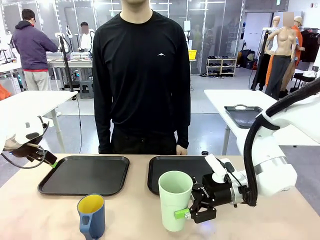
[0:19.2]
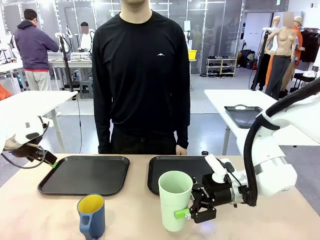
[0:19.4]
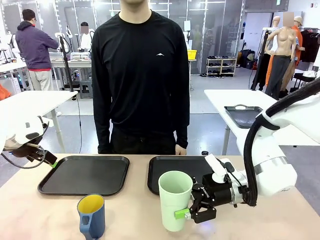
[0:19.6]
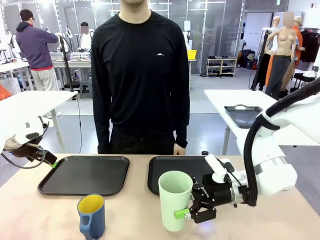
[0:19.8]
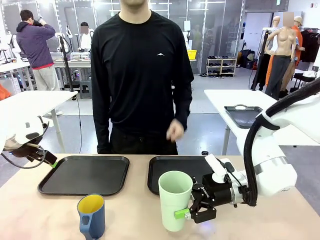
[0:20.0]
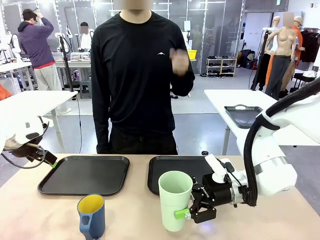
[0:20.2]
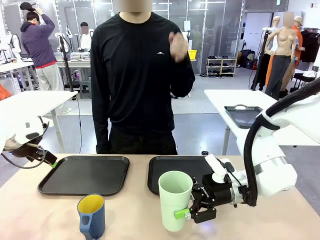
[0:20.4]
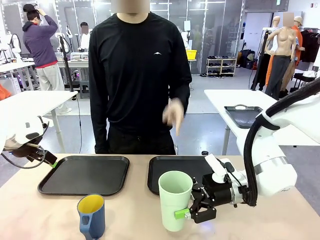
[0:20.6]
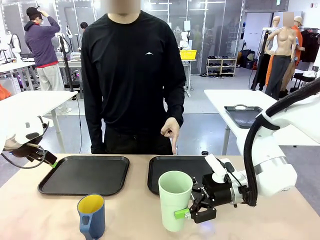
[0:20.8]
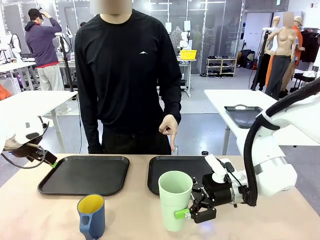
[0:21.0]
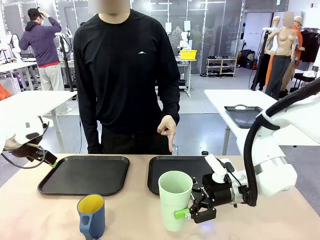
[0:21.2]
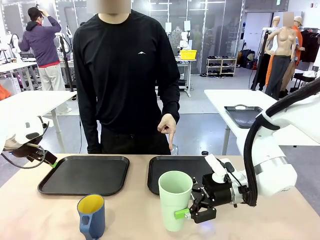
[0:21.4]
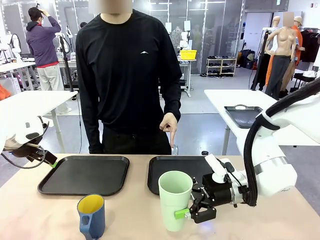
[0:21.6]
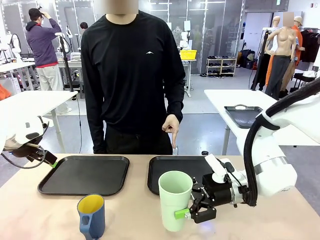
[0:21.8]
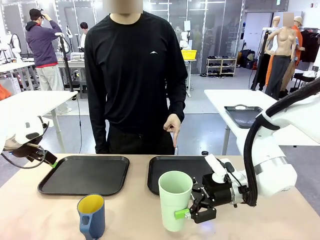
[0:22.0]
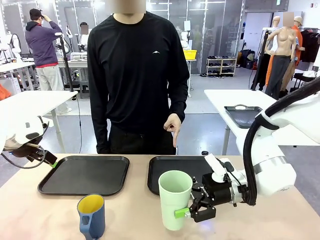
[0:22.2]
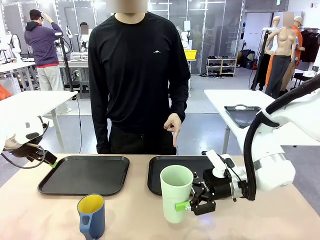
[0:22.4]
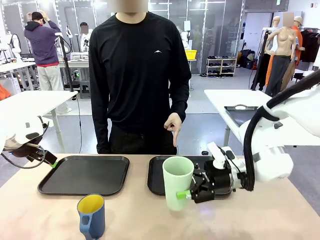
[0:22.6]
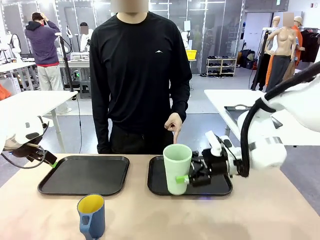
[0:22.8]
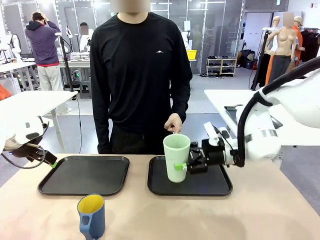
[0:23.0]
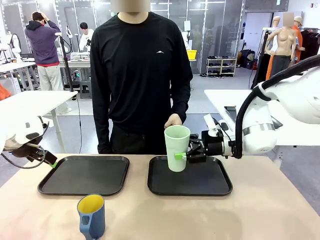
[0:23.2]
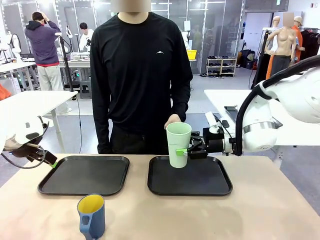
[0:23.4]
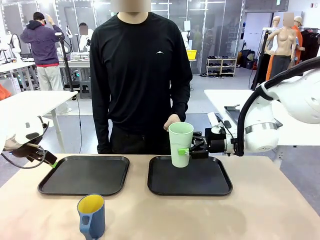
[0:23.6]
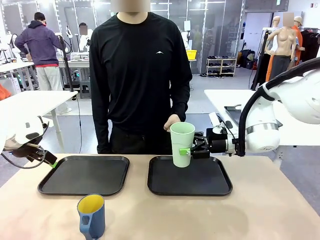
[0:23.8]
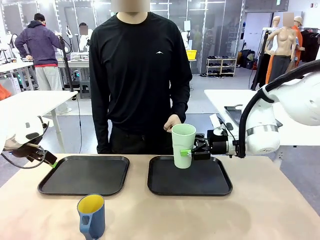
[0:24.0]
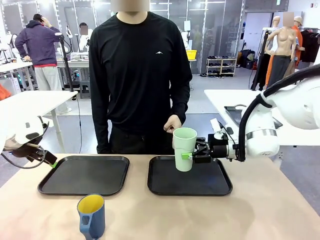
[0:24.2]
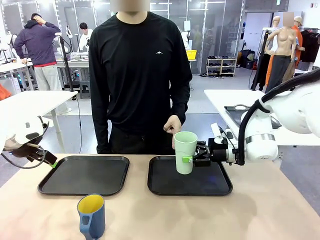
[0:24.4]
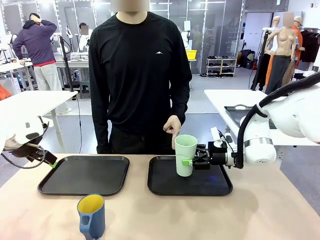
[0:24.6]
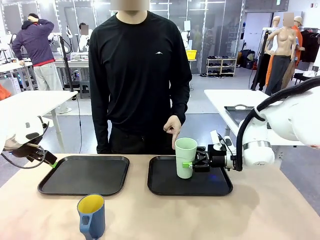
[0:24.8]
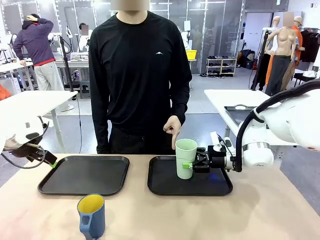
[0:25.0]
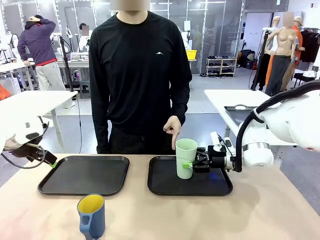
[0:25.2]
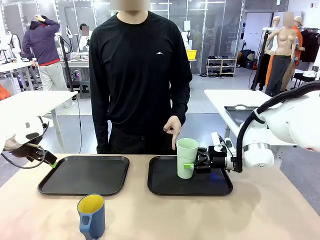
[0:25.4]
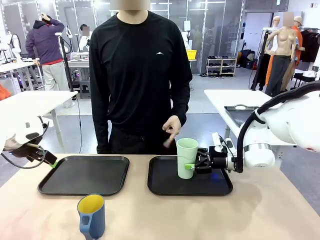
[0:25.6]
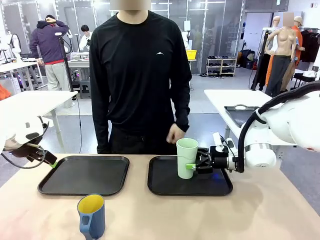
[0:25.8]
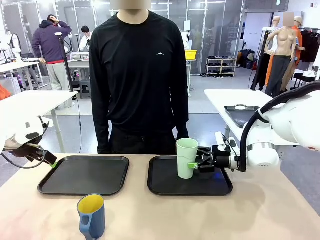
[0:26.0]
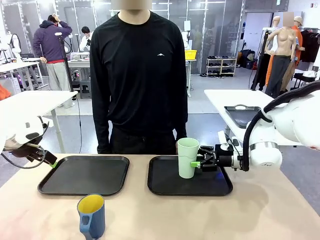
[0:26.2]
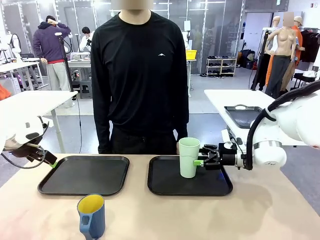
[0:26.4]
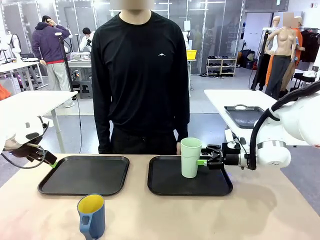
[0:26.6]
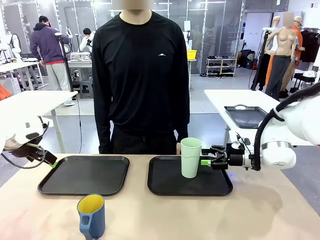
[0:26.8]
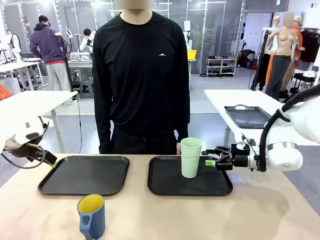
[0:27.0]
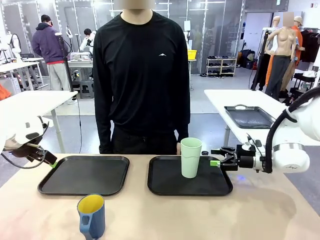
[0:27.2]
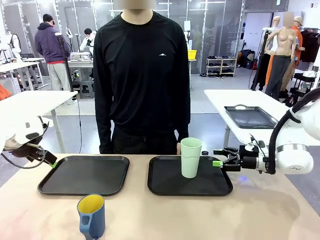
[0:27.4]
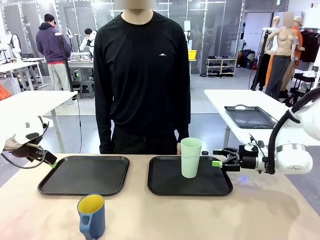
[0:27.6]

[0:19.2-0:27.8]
Task: Sort and store the cups by type.
Robot: Place the picked Reusable plastic cup into the Flat Tray indicated by the person.

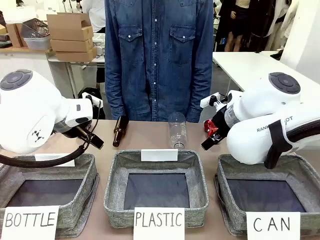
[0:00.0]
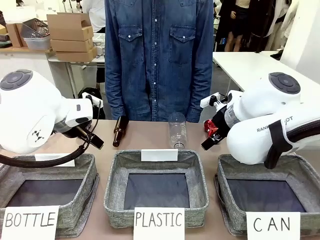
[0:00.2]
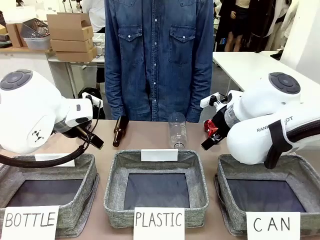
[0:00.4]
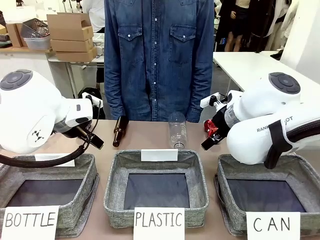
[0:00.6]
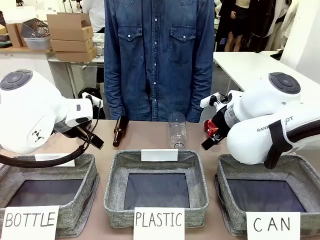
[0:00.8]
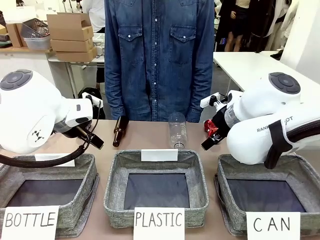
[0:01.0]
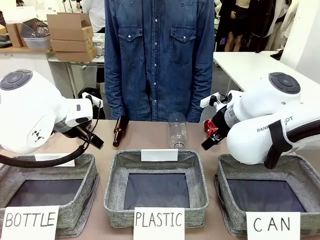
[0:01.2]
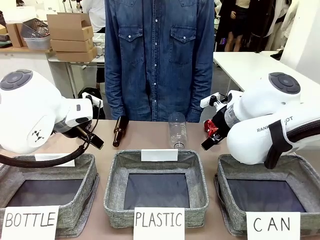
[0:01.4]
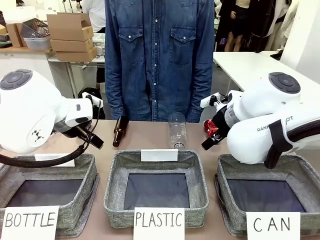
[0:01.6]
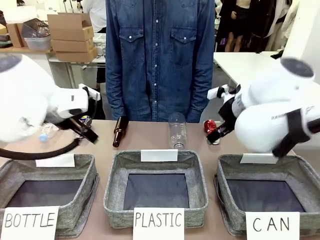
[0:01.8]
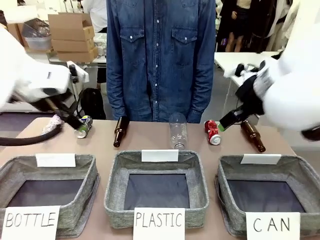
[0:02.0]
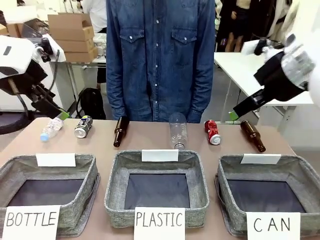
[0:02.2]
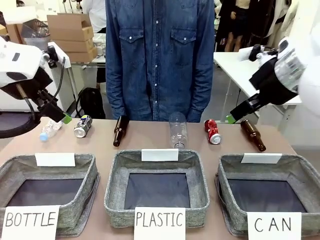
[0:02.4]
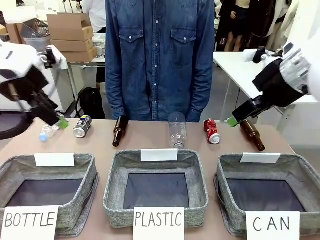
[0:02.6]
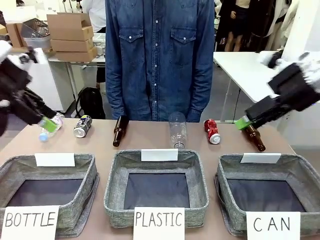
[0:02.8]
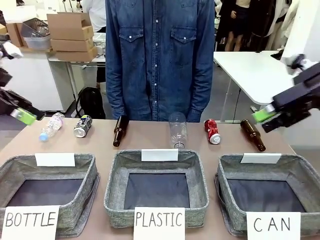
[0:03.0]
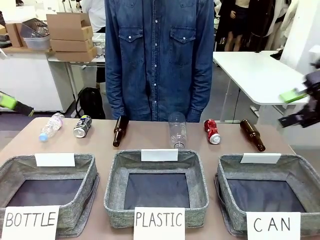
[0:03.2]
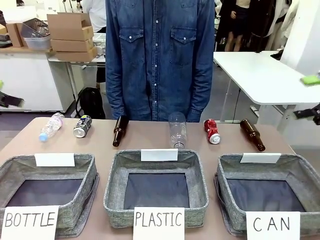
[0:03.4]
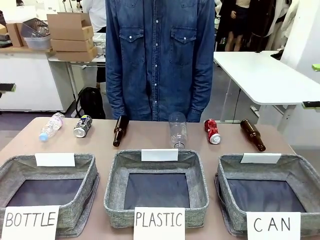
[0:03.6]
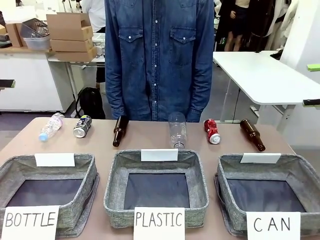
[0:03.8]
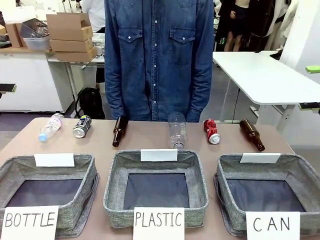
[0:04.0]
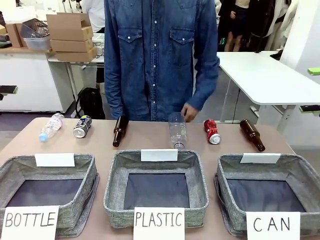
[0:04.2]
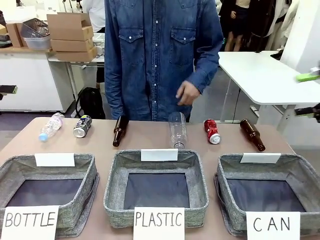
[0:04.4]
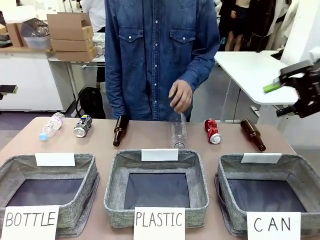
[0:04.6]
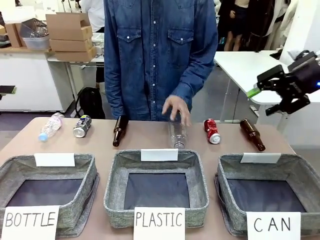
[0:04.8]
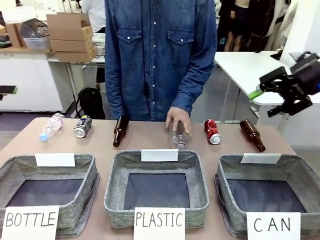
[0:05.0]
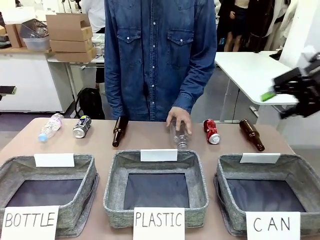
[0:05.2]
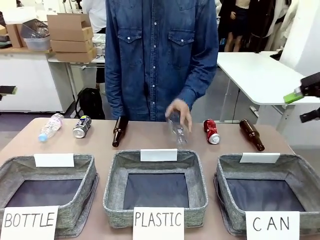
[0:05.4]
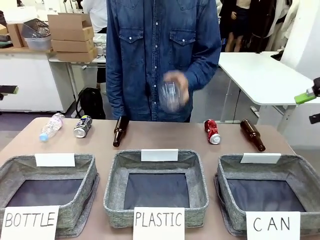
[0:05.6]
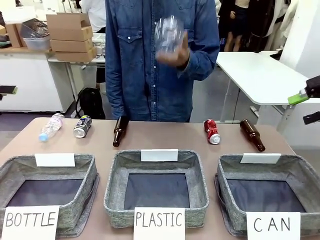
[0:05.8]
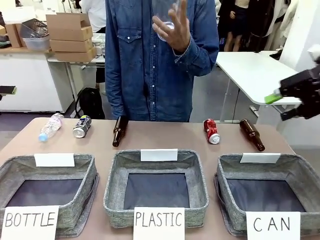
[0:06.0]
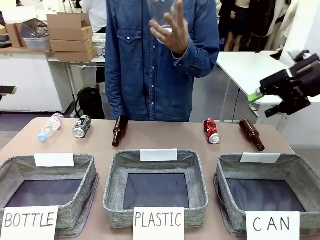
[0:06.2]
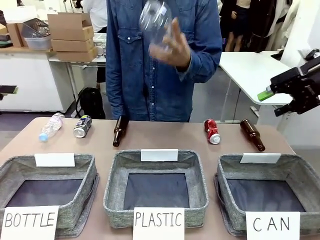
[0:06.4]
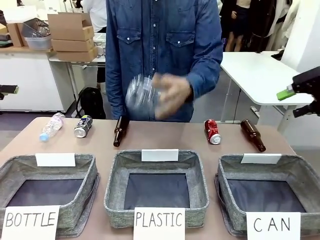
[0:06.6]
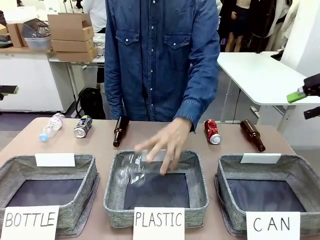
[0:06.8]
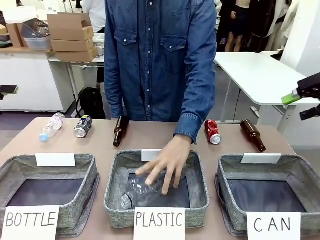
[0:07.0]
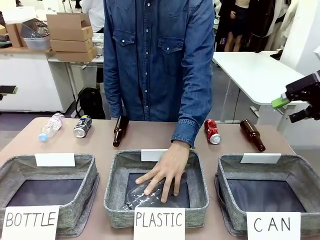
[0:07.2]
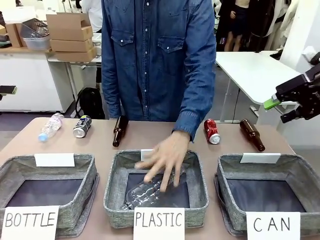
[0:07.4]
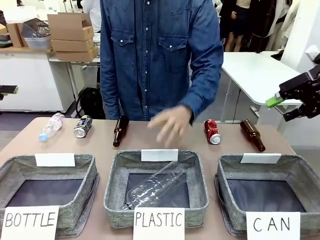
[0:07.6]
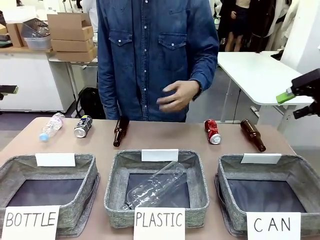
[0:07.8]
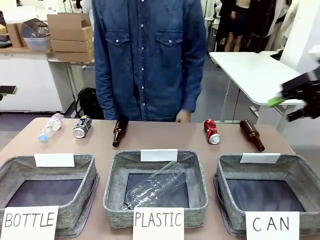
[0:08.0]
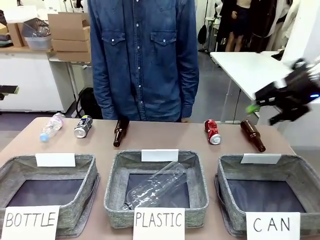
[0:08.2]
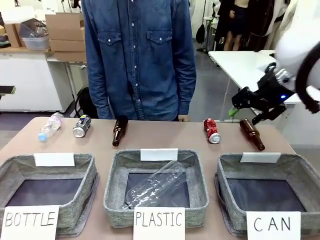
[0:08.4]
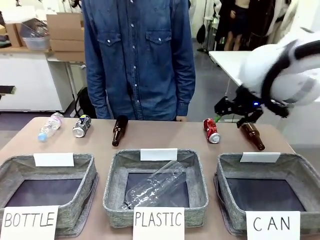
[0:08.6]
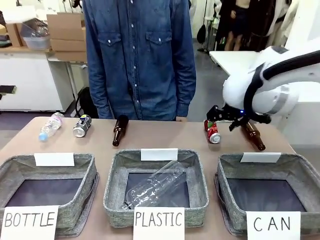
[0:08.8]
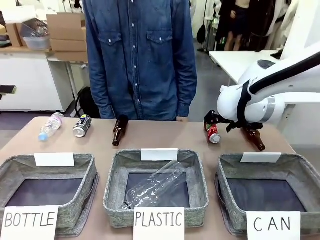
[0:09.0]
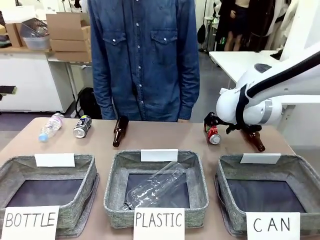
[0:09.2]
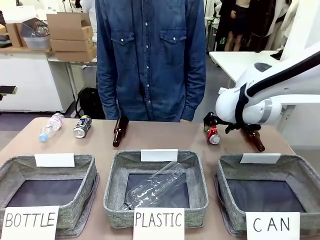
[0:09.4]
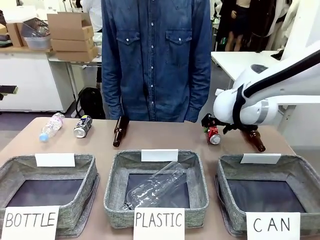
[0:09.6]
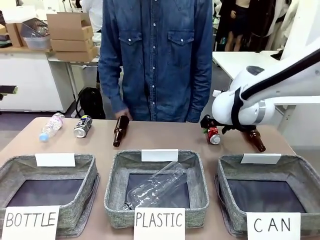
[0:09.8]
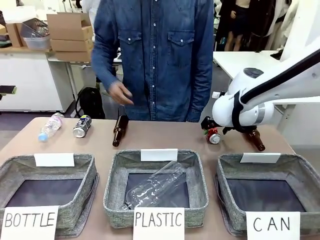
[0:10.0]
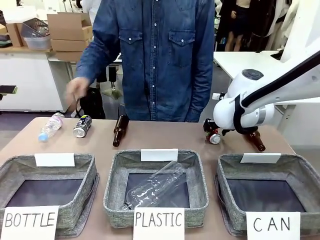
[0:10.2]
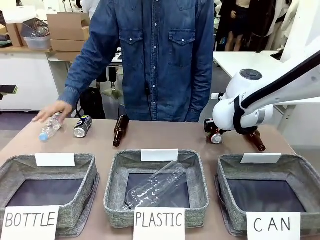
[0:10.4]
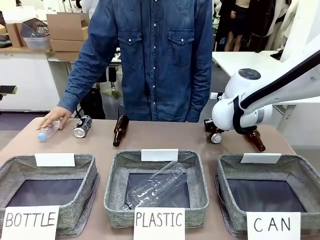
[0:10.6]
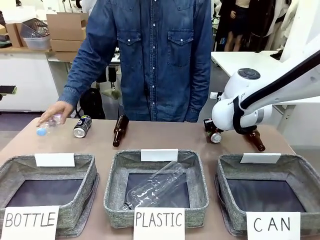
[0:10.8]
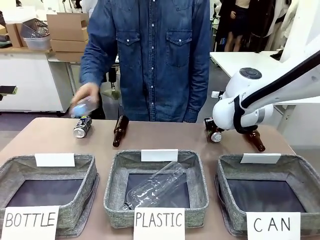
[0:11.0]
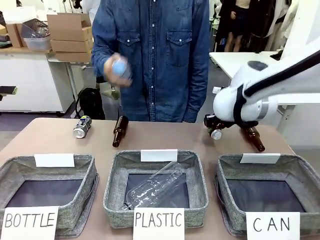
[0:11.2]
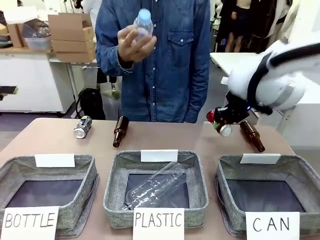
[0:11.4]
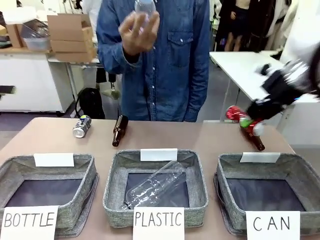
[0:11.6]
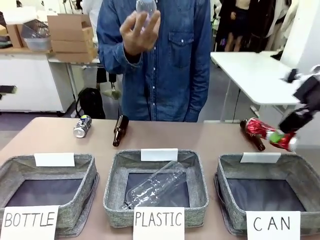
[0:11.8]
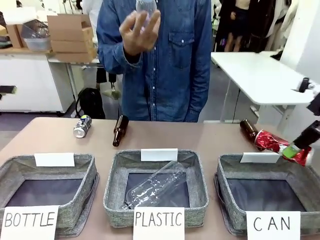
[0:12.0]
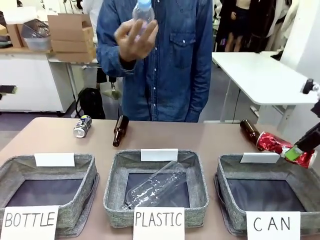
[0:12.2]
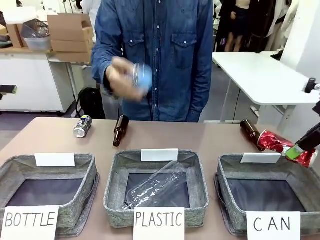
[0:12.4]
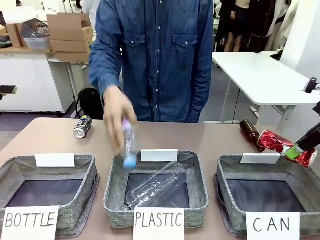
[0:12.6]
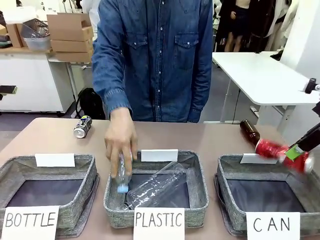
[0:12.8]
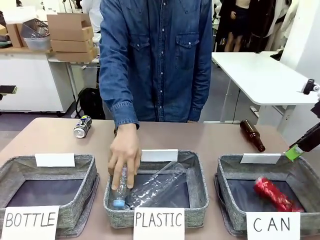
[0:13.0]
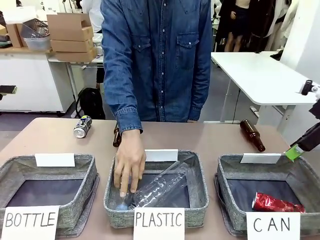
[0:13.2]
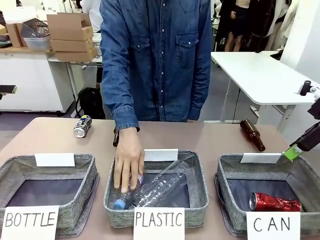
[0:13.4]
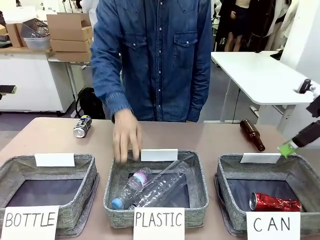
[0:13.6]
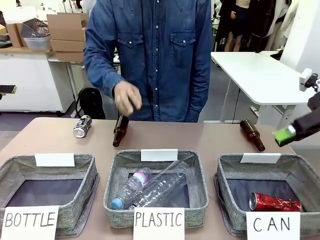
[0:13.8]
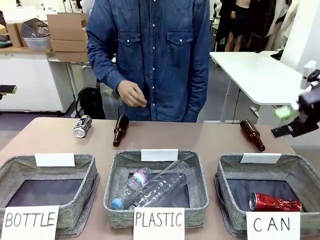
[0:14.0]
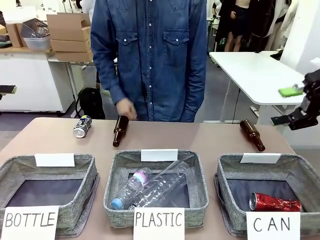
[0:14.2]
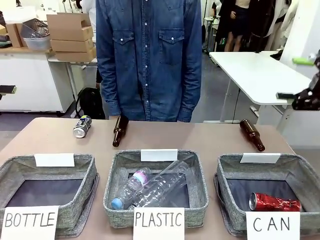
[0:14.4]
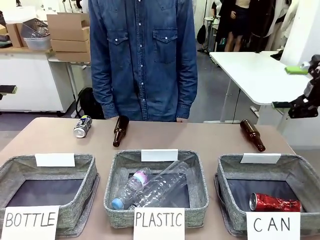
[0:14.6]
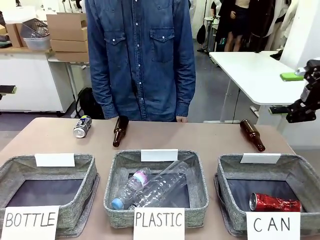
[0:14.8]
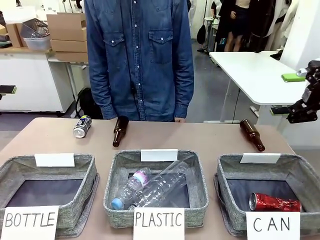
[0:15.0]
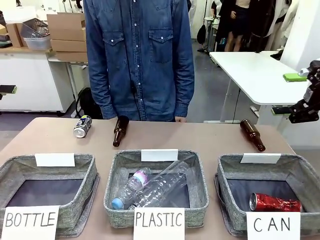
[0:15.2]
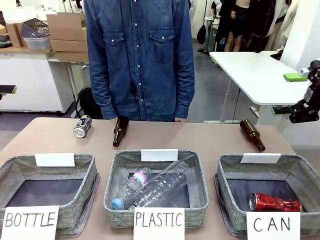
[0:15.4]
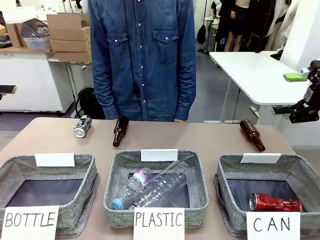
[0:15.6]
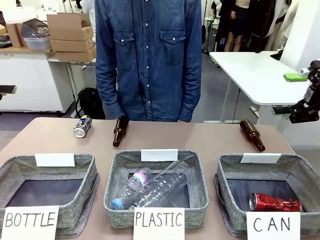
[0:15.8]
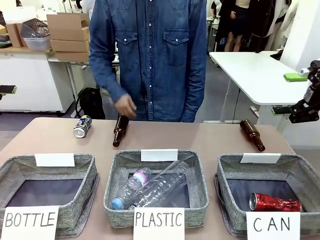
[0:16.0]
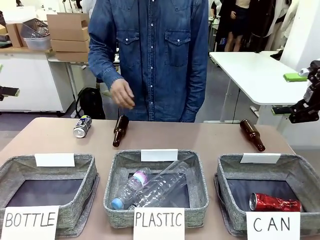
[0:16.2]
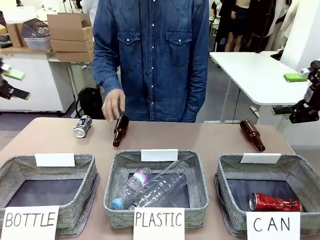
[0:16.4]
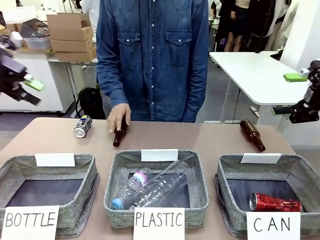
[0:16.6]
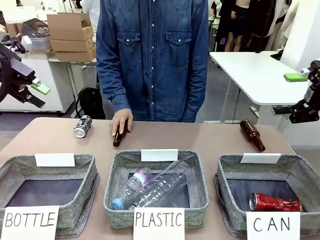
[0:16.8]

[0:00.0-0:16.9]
Task: Sort the can waste into the basket.
Robot: Pick up the can waste from the table and place it in the right Fabric basket.
